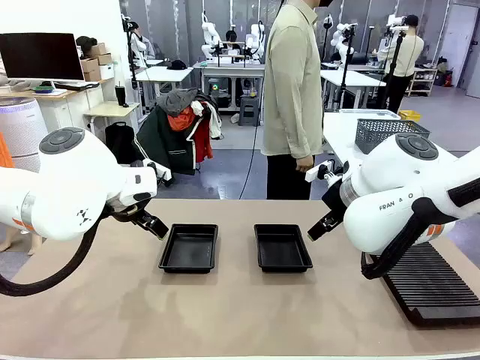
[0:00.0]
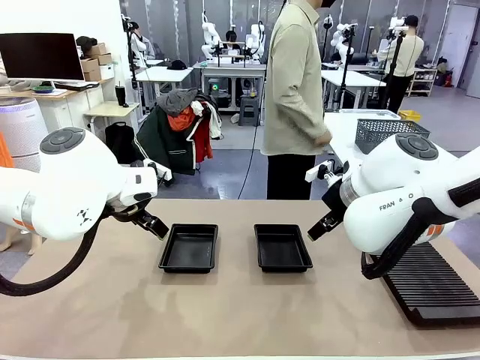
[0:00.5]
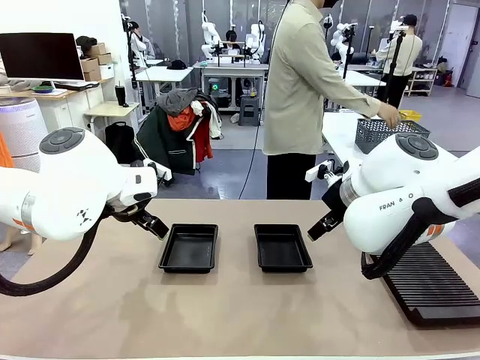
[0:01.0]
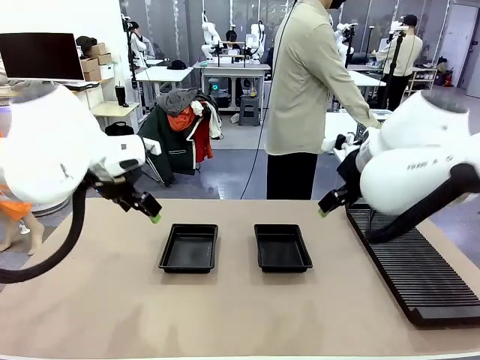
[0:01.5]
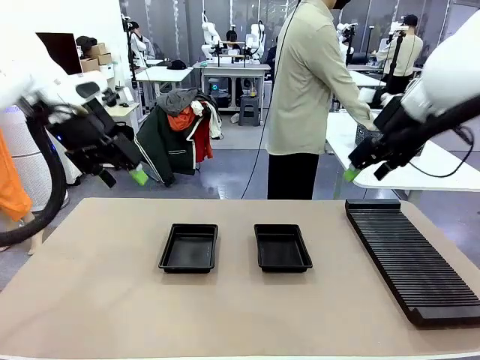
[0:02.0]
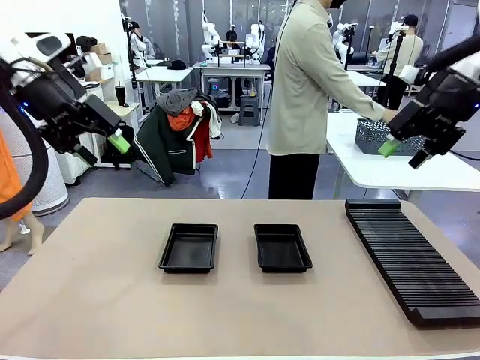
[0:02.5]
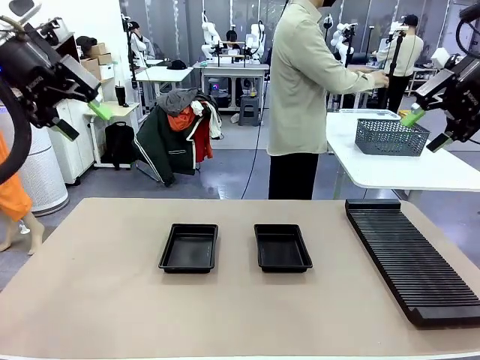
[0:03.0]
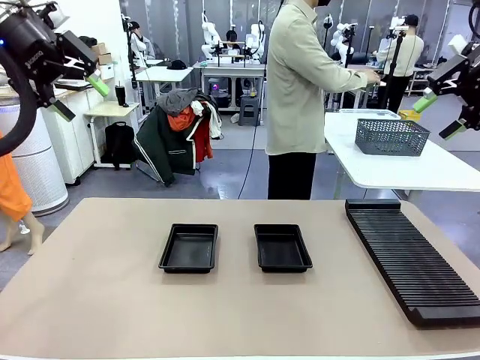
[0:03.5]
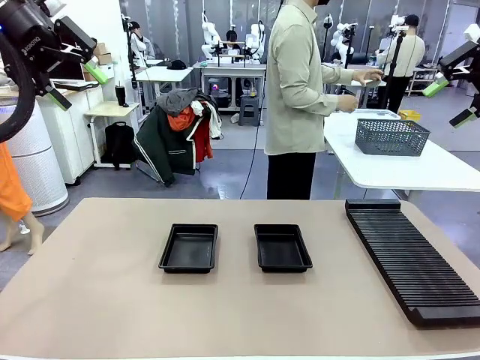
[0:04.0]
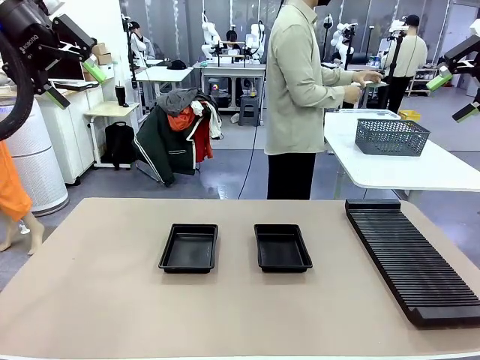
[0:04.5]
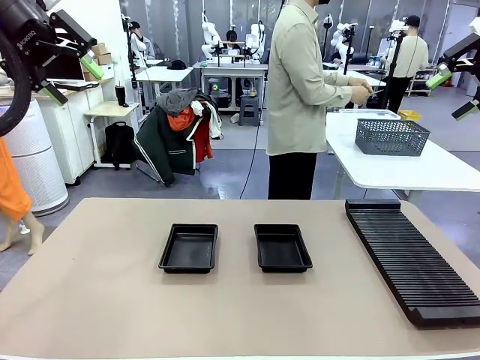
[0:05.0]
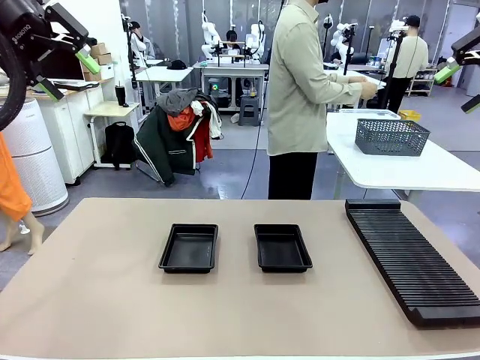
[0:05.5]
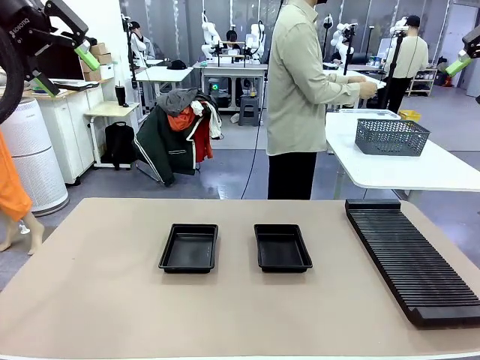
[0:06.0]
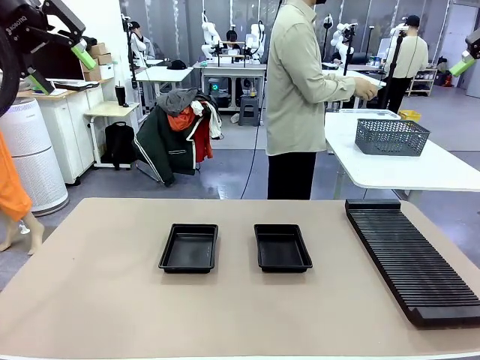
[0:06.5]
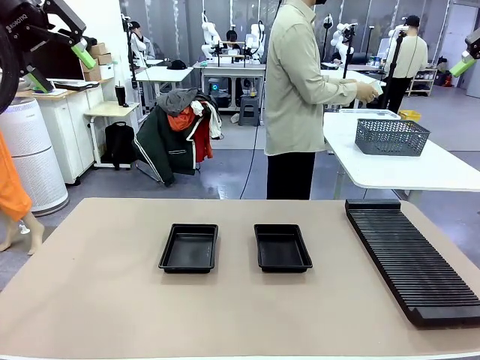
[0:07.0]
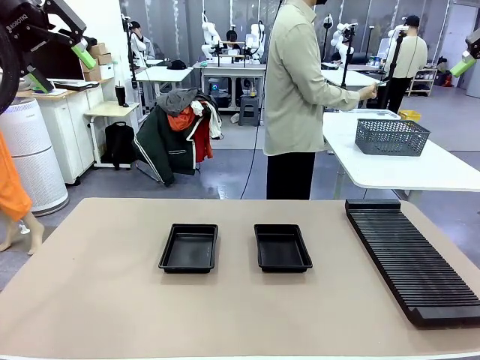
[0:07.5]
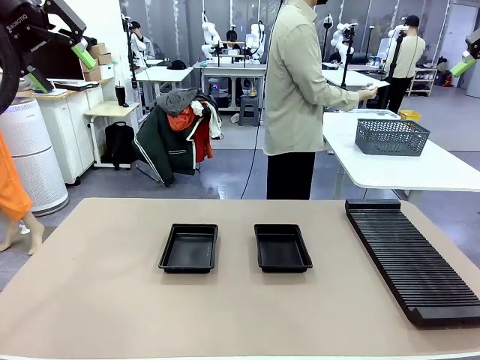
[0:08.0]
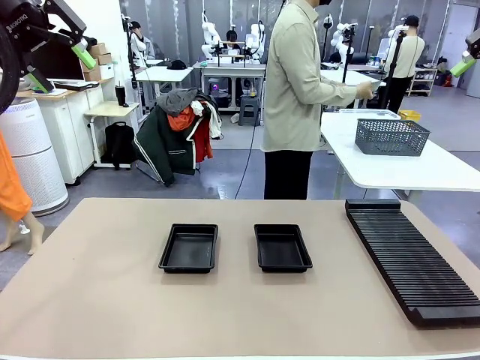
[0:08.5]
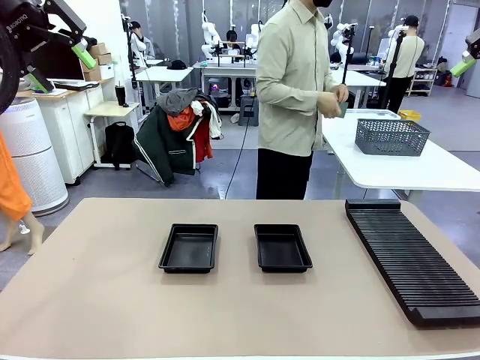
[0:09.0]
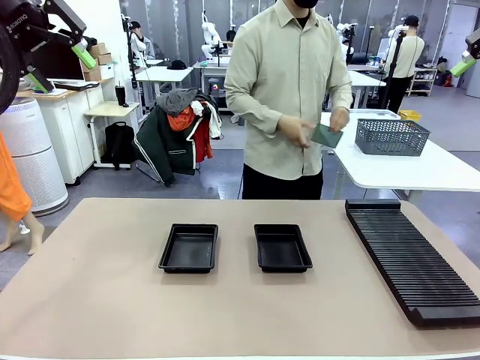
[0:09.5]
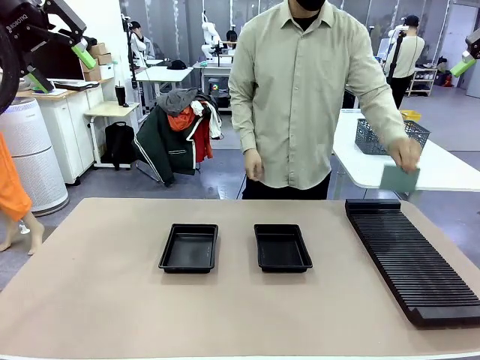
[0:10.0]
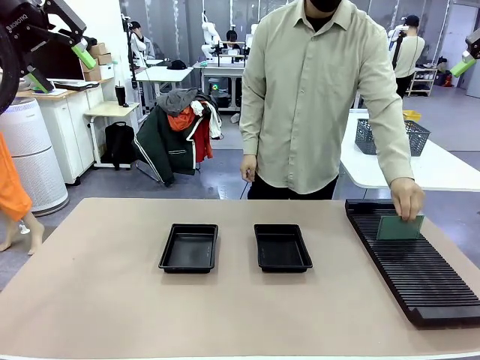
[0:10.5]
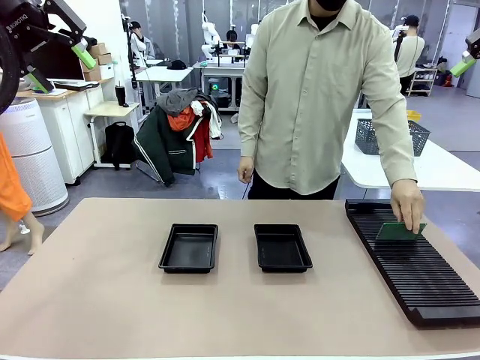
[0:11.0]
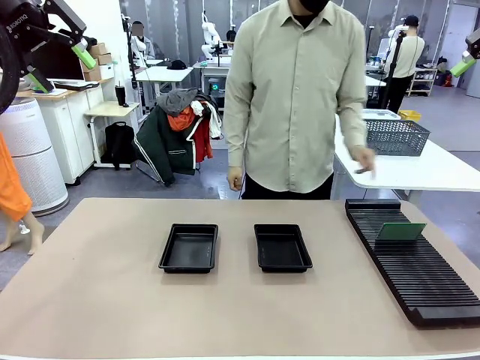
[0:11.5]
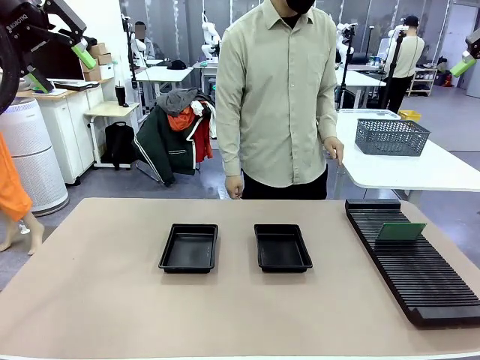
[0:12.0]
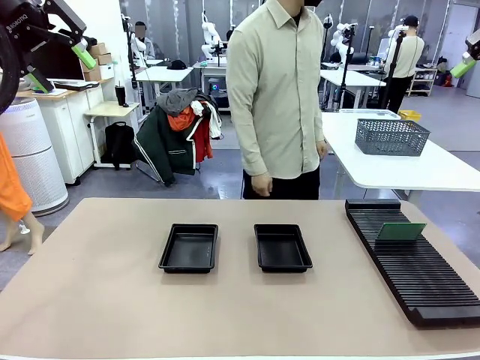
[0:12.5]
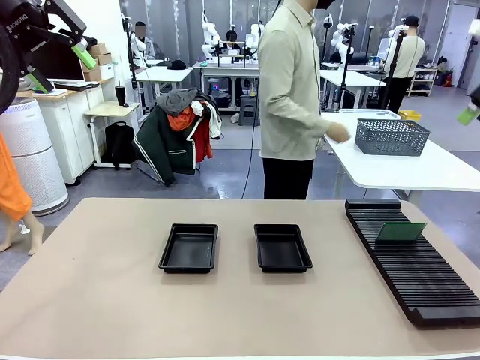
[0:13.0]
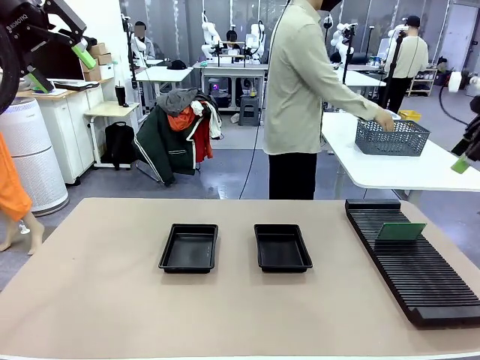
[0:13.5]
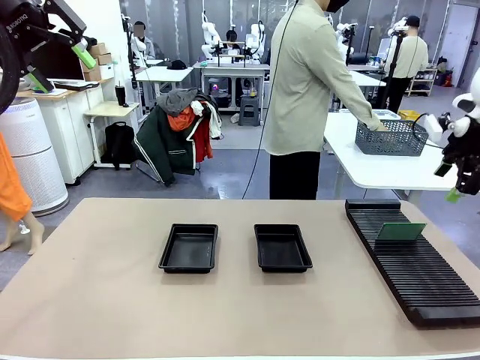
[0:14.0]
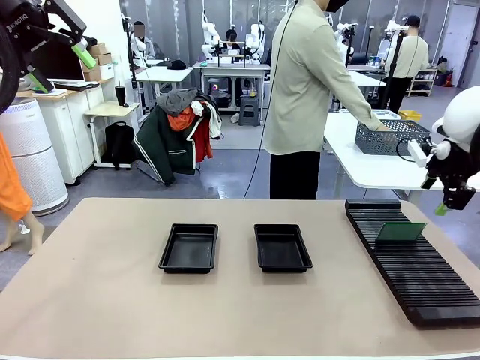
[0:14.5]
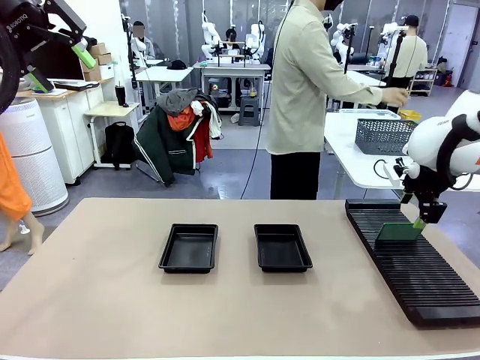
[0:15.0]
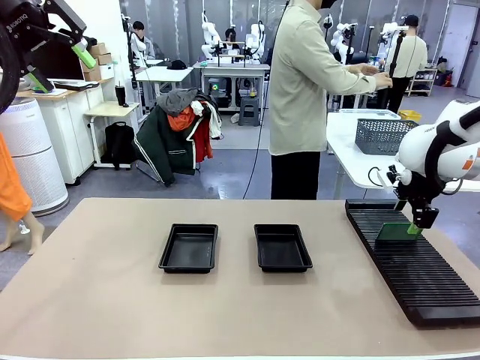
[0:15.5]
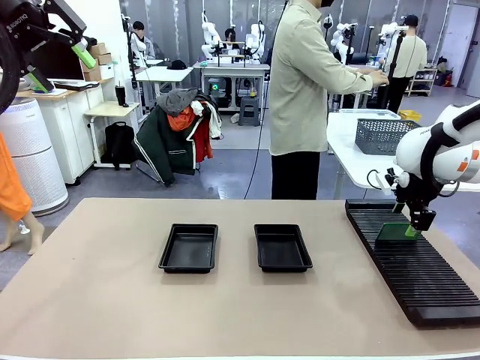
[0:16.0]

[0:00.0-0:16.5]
Task: Inspect and transfer BCBs to ESD trays.
Robot: Pick up the Blank PCB from the PCB Rack and place it in the left ESD tray.

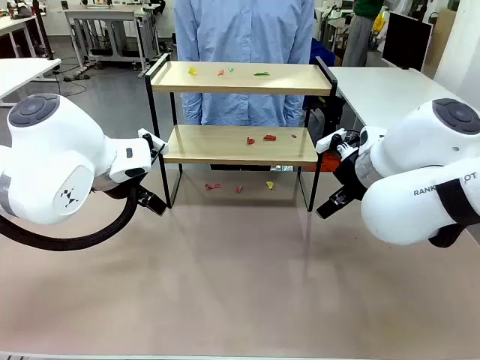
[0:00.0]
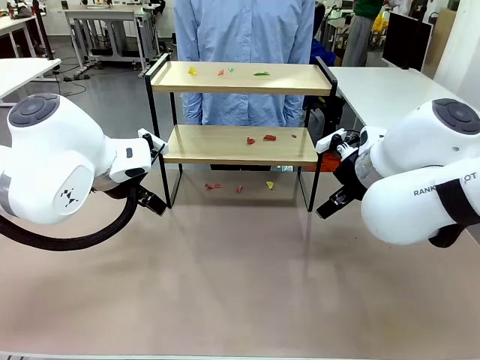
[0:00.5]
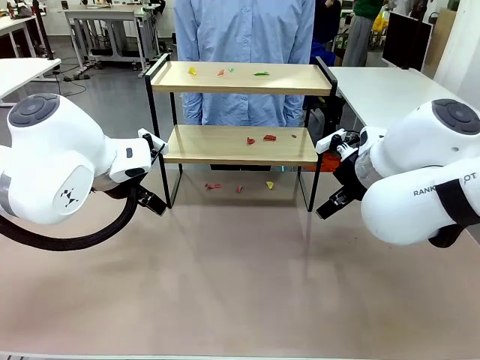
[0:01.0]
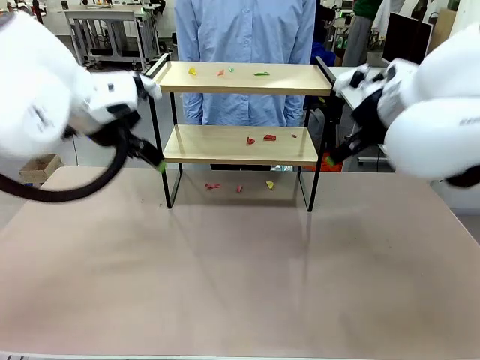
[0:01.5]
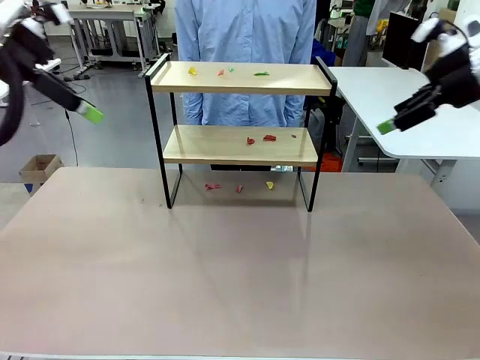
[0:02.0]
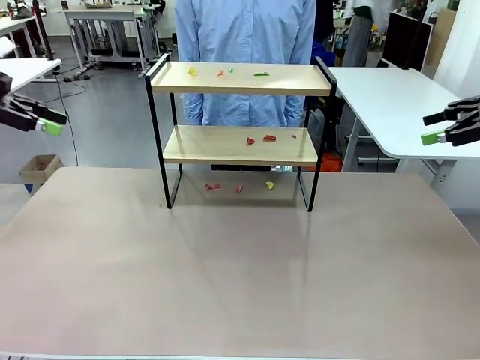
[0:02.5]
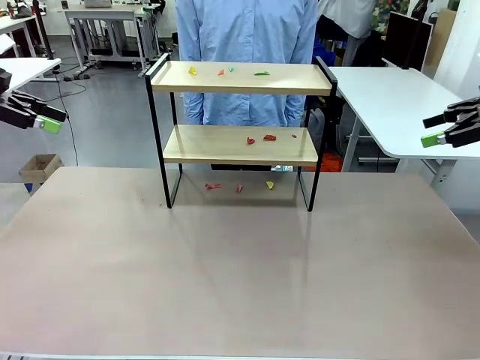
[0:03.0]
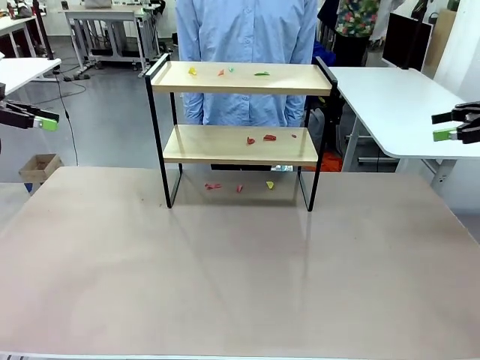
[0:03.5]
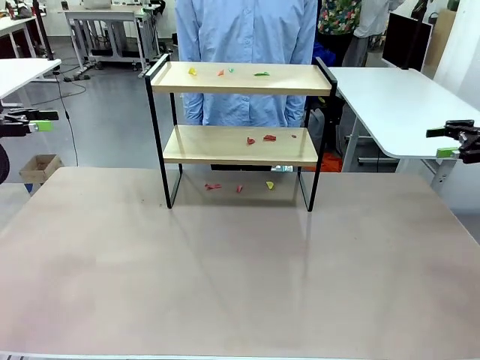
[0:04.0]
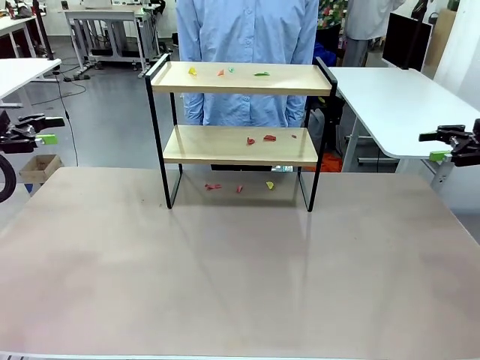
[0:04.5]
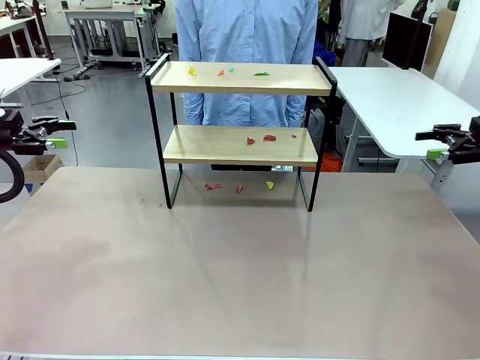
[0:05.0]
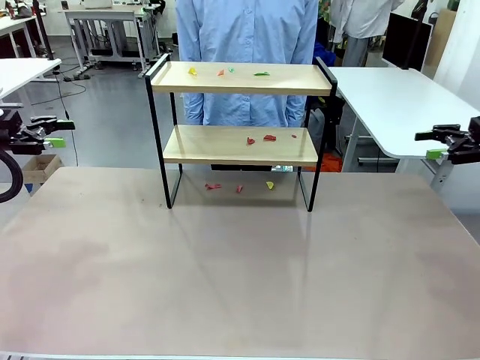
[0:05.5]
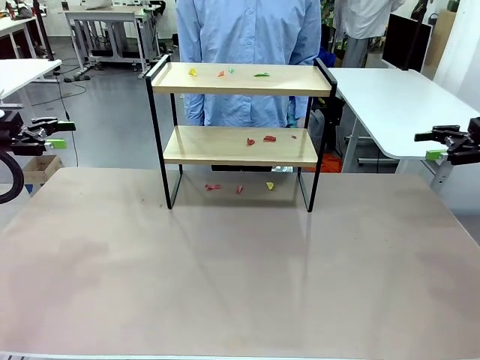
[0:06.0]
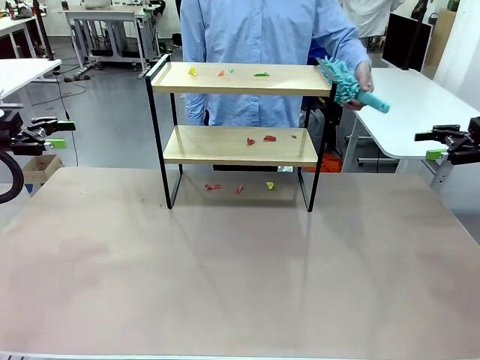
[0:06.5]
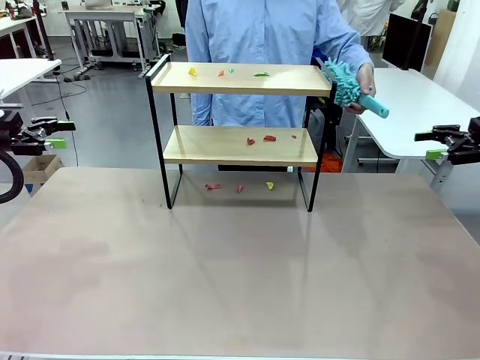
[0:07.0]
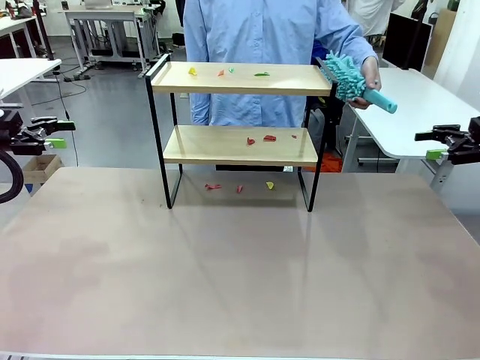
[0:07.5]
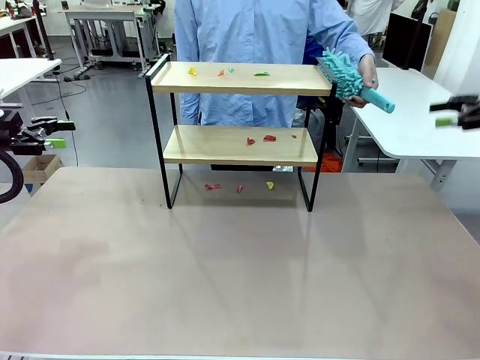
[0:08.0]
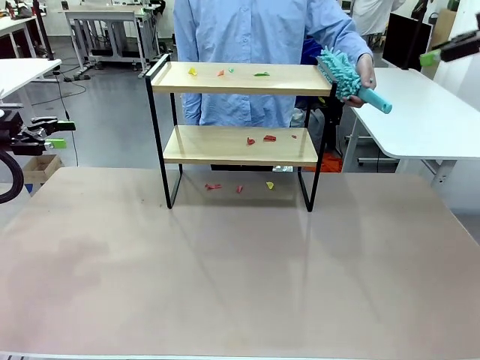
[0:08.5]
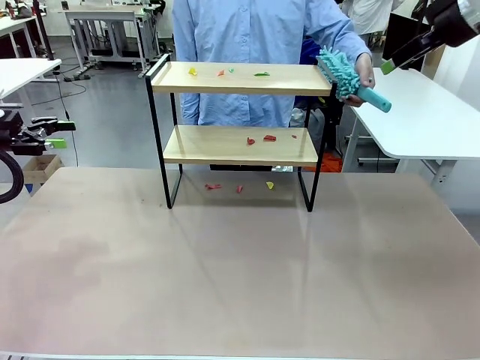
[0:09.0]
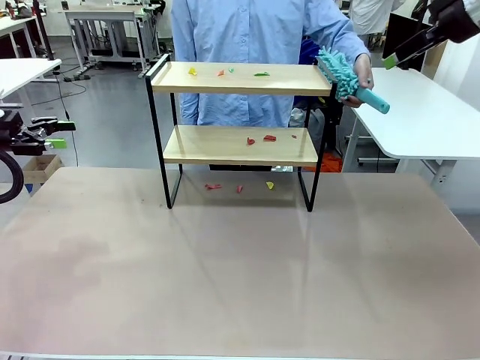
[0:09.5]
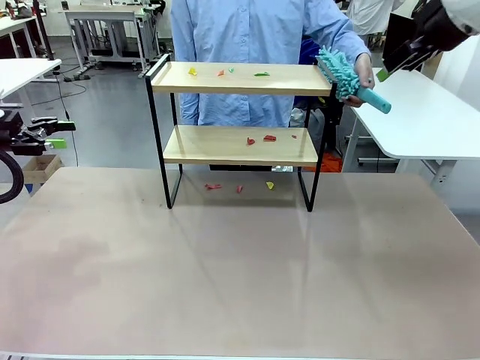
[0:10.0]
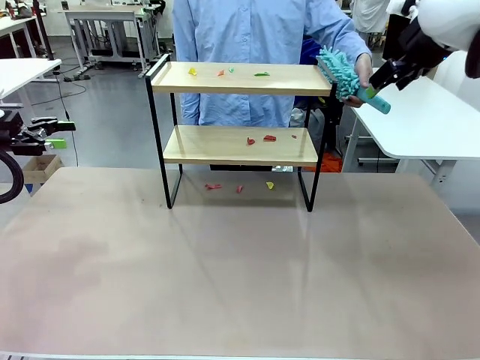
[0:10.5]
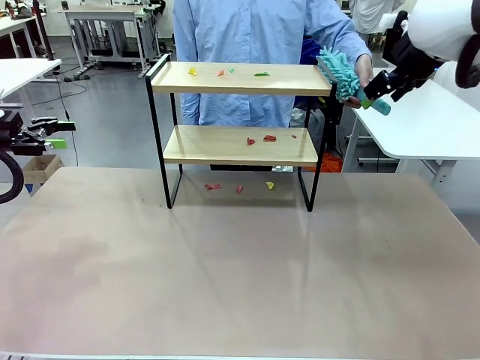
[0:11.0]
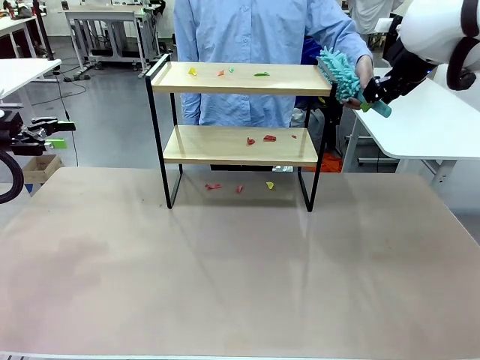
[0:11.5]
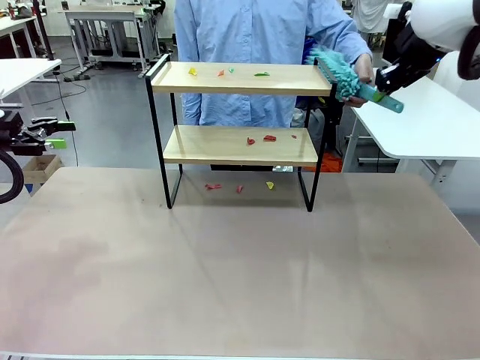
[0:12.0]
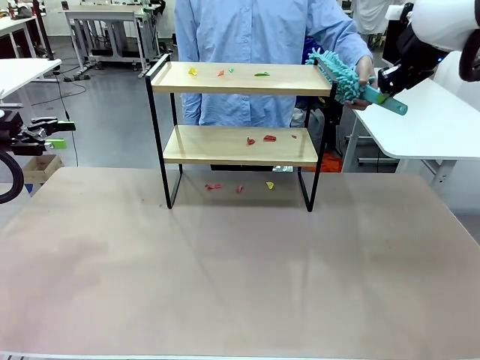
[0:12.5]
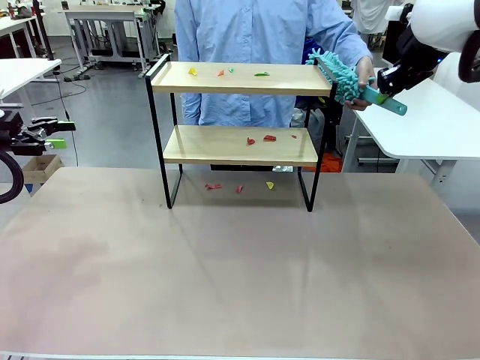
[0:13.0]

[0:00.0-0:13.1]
Task: Clean the shelf.
Robot: Pick up the Duster handed by the human.
Person: Hand the Duster to the robot.
